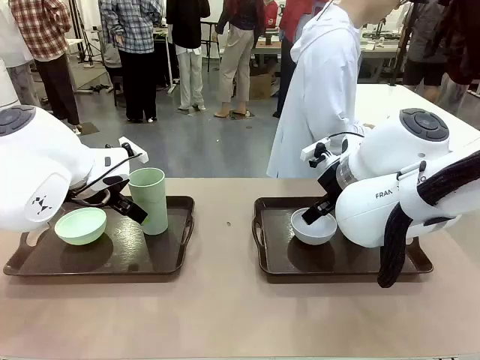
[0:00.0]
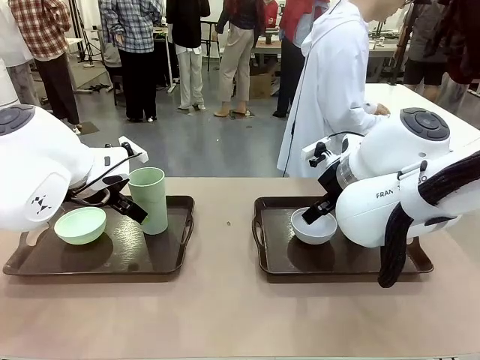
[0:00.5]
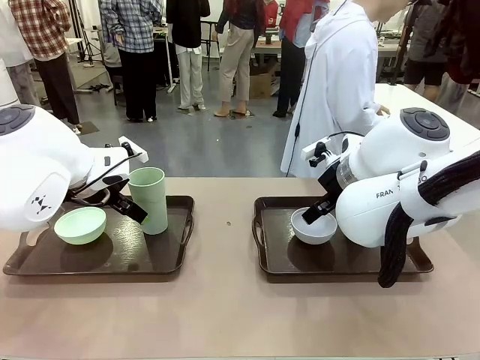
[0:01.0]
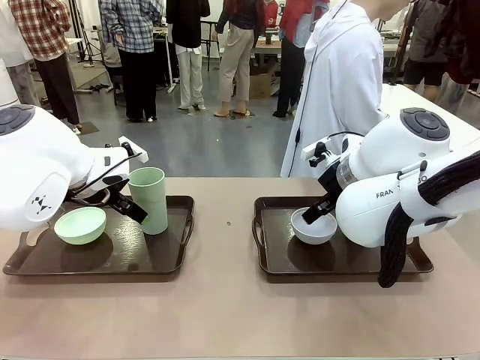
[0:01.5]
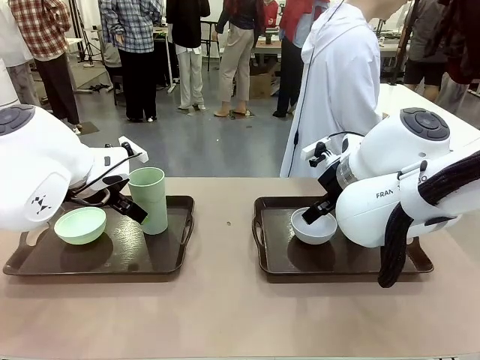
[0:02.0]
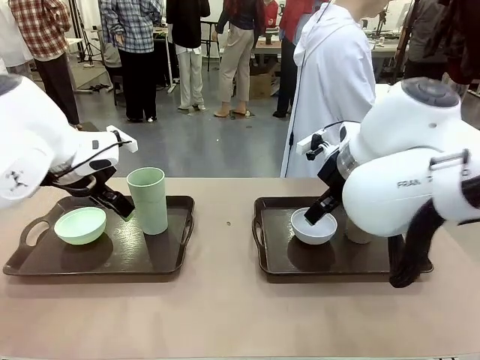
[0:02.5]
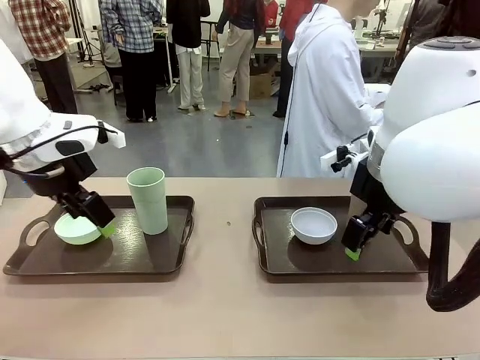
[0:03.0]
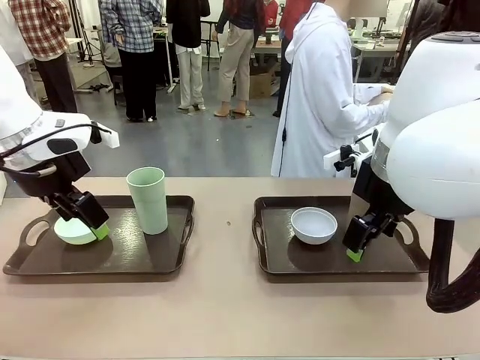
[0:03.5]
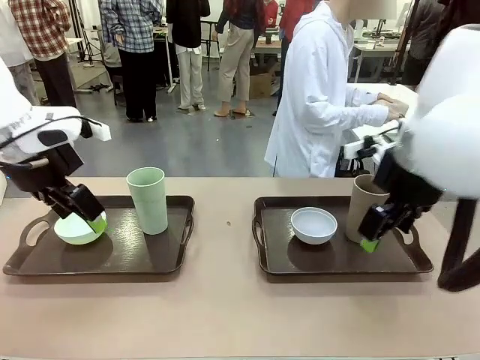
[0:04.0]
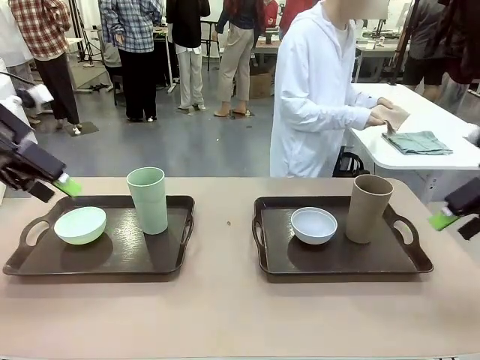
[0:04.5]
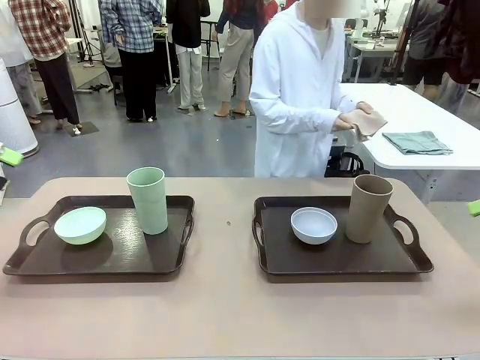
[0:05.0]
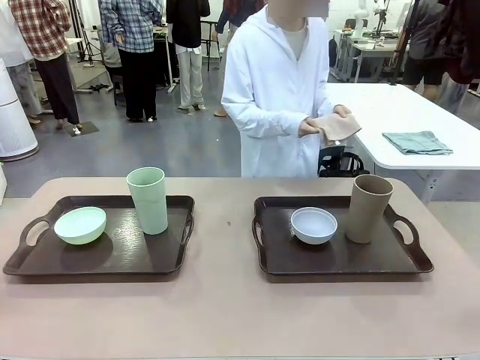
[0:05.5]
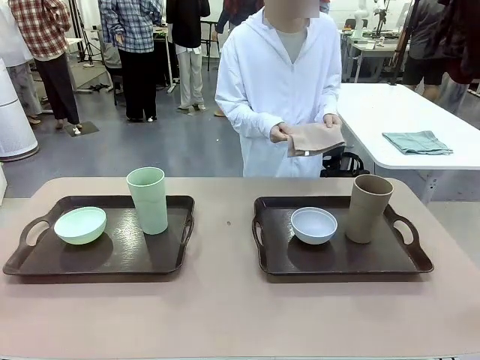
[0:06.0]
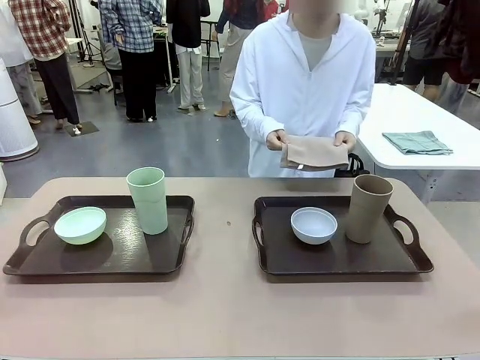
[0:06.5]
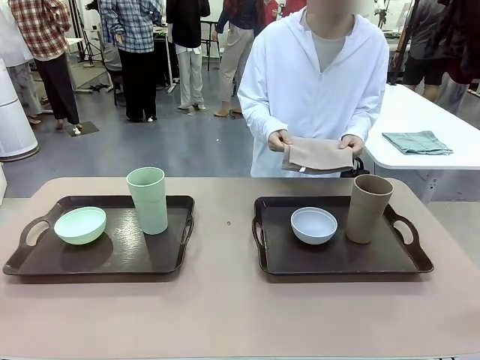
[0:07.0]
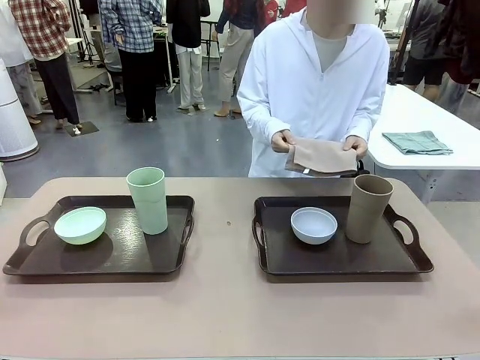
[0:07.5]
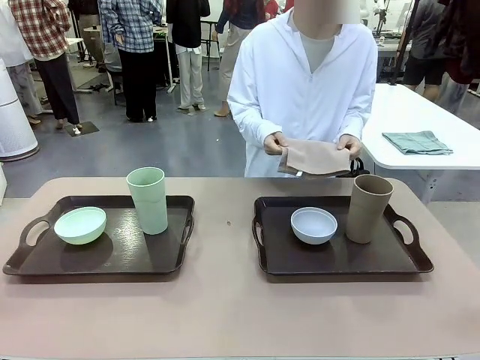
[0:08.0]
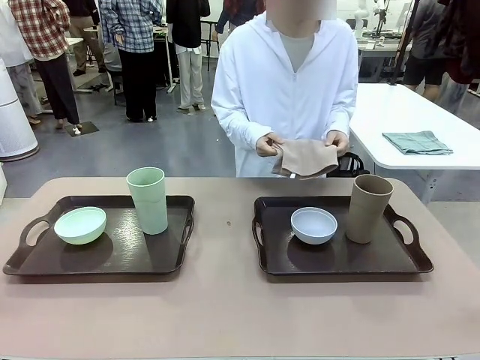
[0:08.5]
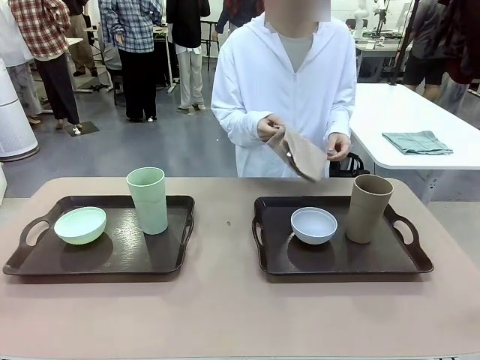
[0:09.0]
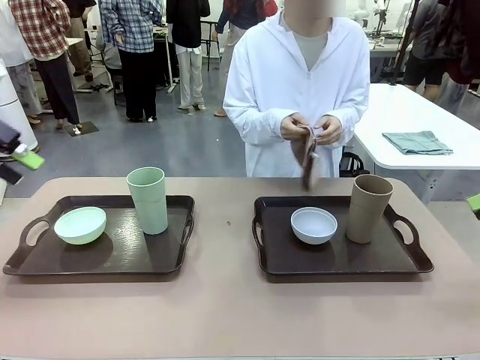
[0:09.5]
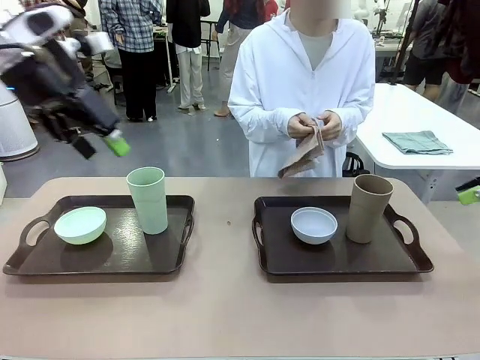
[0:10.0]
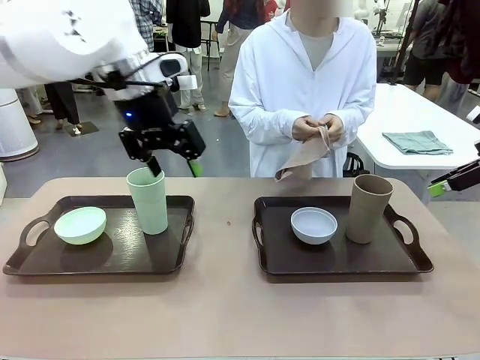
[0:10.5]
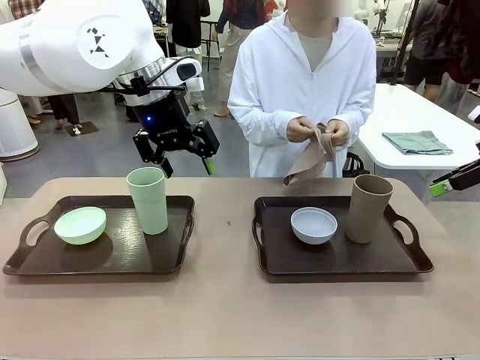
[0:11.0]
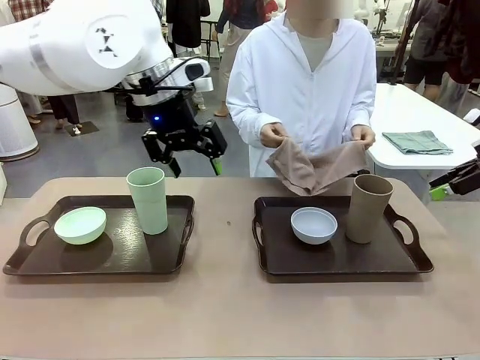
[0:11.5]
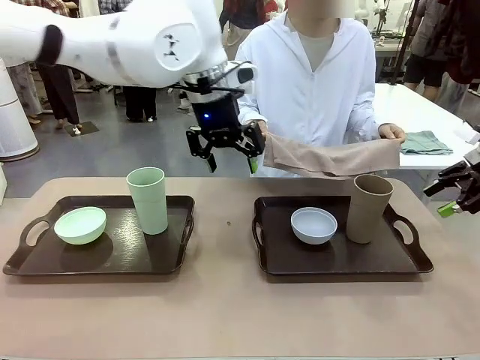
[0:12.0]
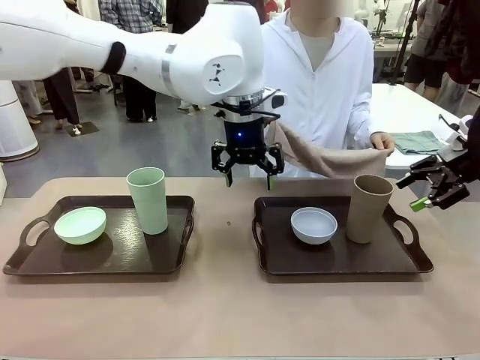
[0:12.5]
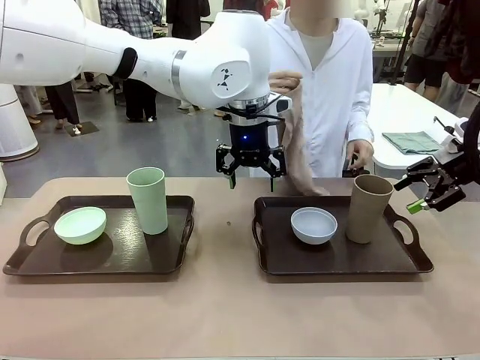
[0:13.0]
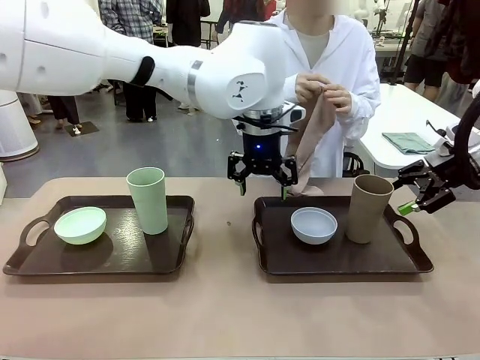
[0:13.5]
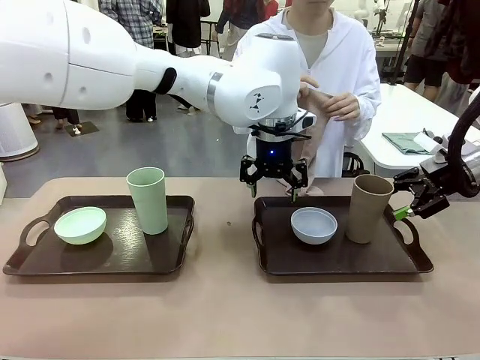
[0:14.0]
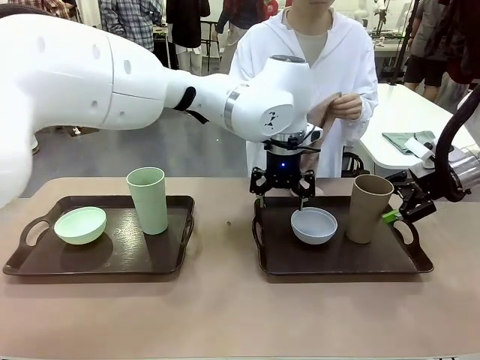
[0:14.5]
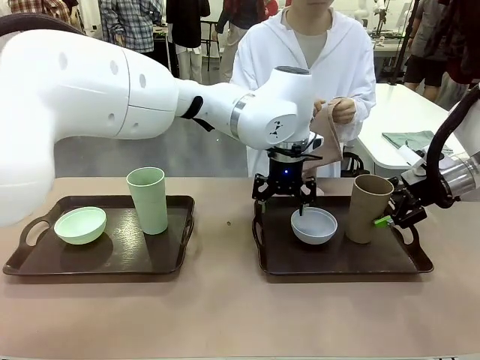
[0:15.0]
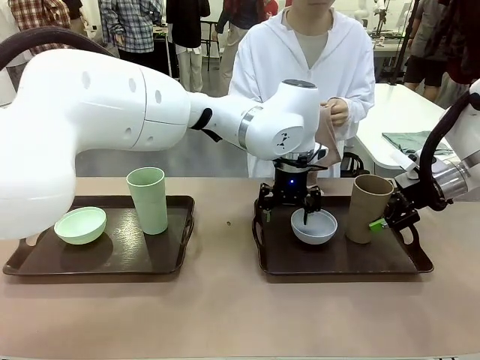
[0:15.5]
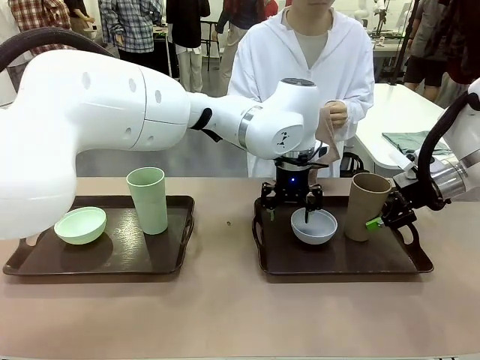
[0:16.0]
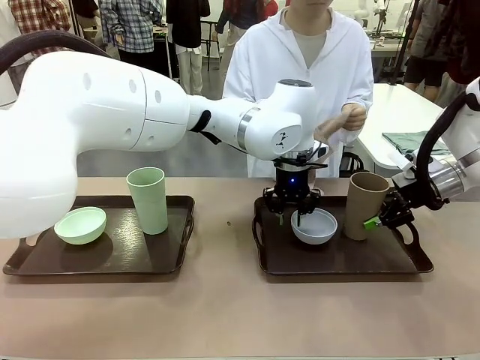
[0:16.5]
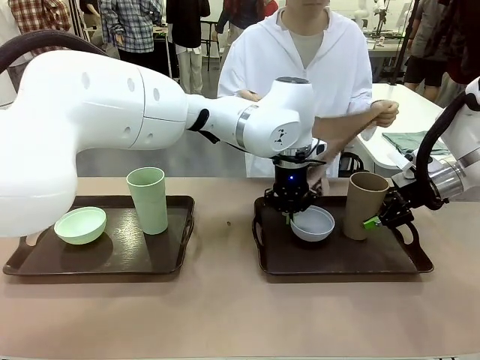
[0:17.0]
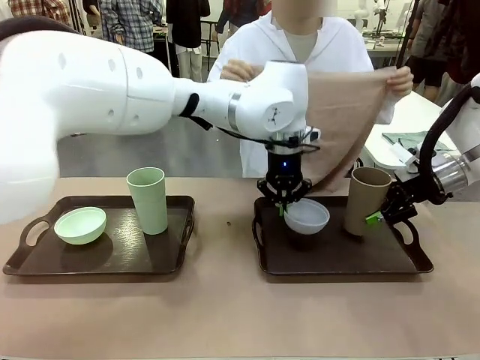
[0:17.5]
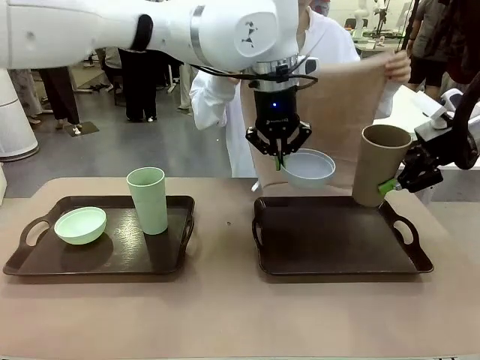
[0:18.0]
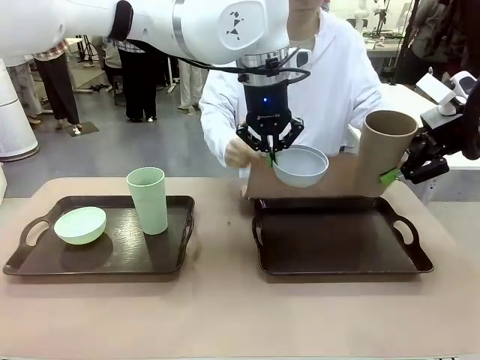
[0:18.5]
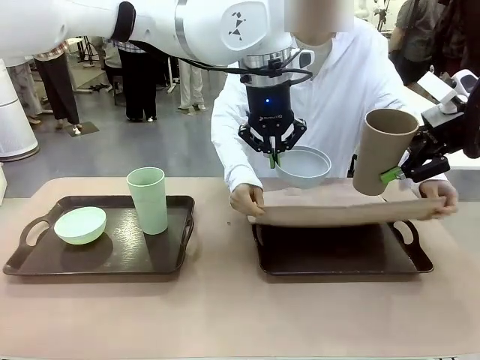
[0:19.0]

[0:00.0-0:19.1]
Robot: Pick up the Picnic Bowl and Reusable plastic cup from the Handle tray in front of the human's position and hold them in the air.
Person: The human picks up the top napkin from the stack on the human table and walks to the robot table to stand in front of one of the two trays. When the robot lifts the bowl and the cup, the human unfolds the napkin and lays the napkin flat on the tray.

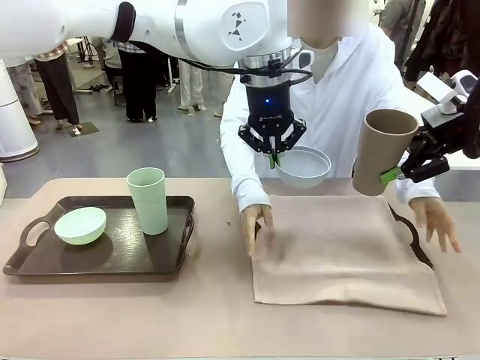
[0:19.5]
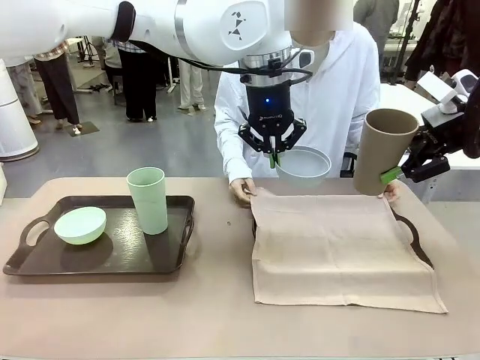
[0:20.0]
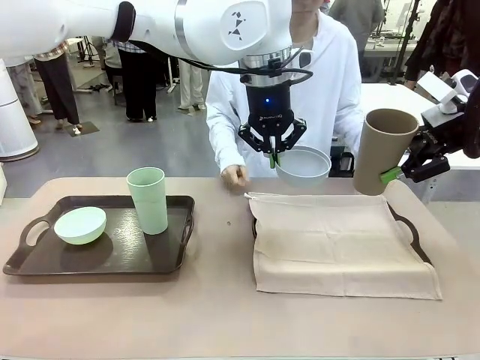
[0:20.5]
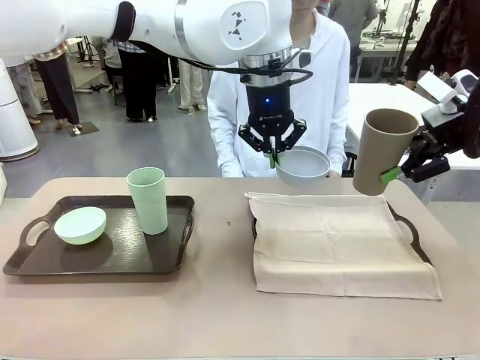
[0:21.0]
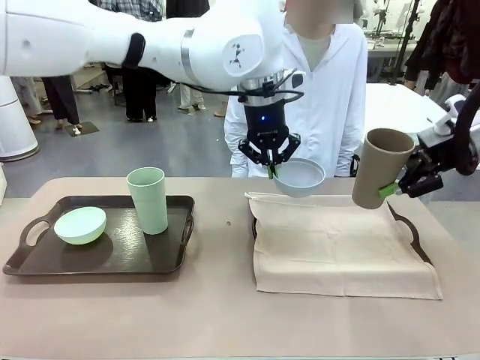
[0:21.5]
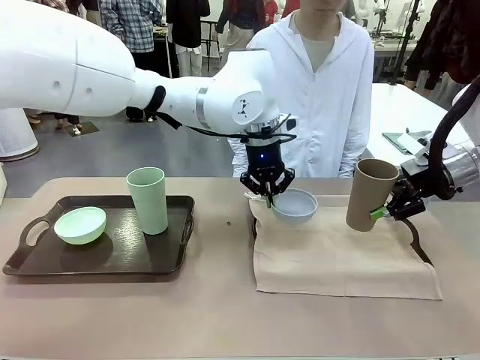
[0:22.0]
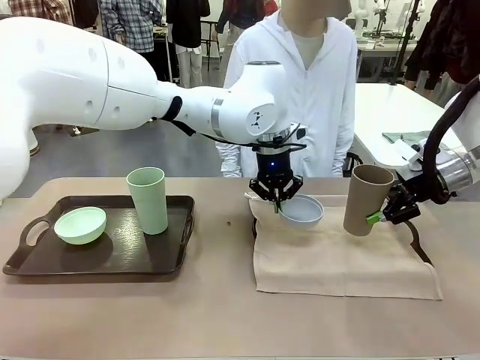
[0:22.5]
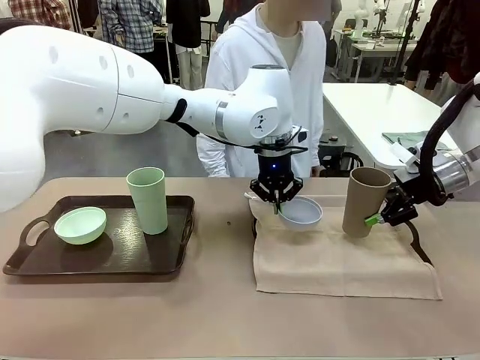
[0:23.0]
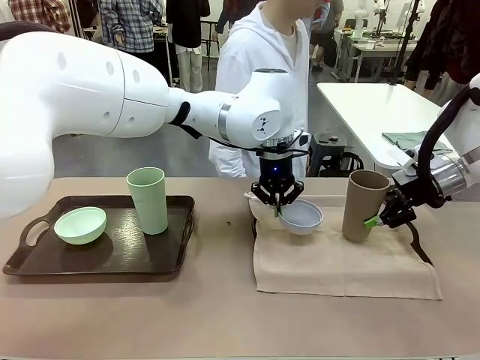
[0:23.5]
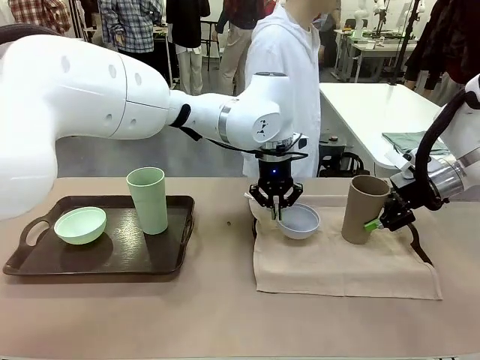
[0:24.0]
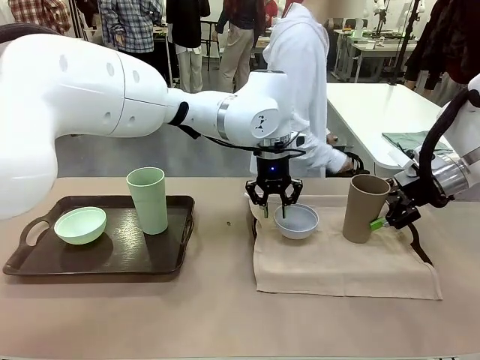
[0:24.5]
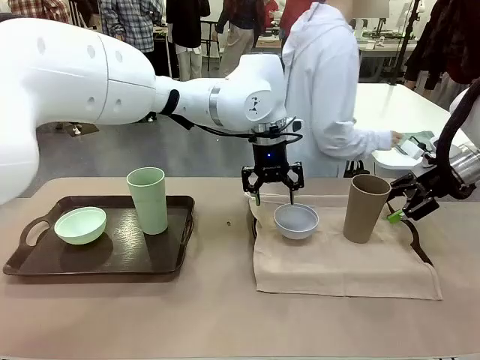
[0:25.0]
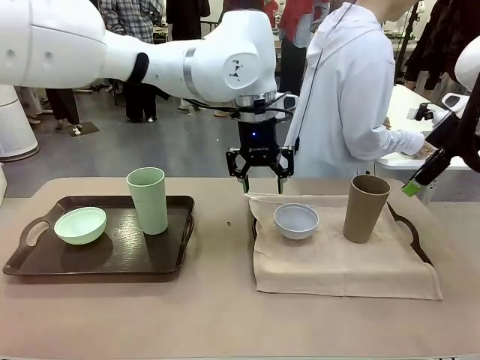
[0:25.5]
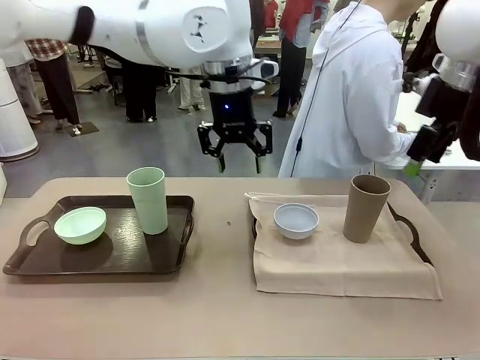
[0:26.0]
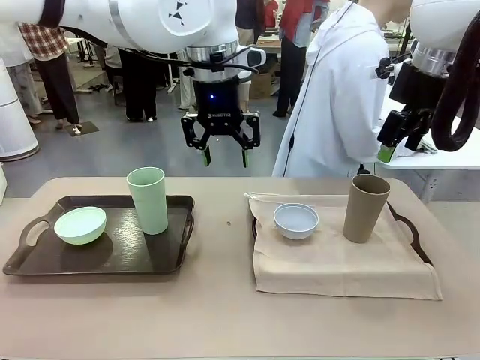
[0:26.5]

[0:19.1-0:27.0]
Robot: Place the Picnic Bowl and Reusable plastic cup back onto the Handle tray in front of the human's position.
